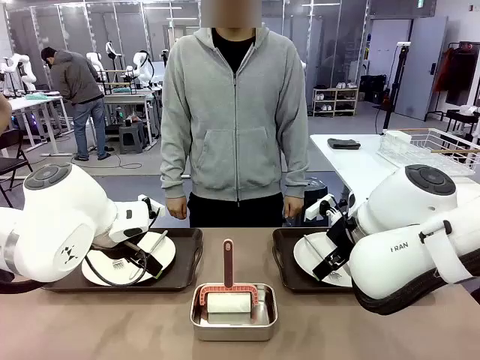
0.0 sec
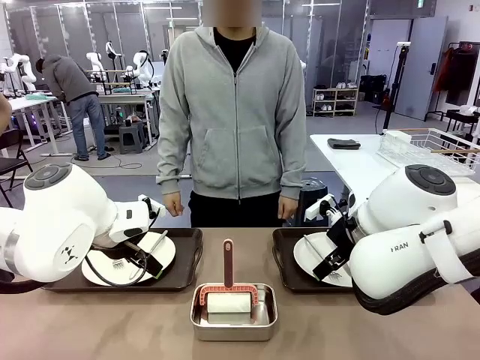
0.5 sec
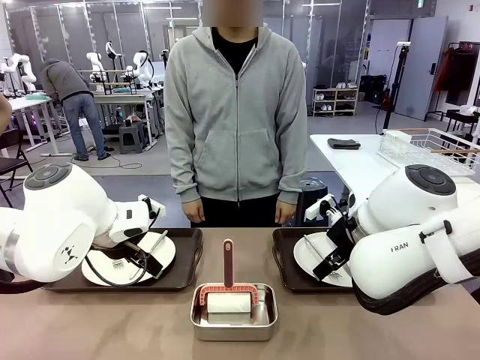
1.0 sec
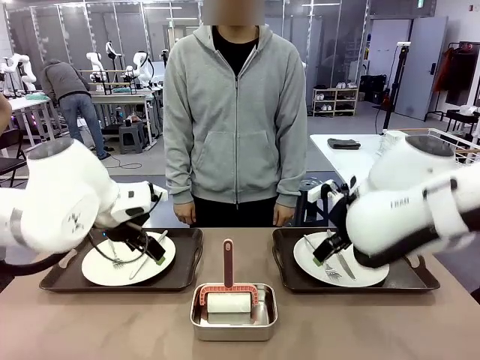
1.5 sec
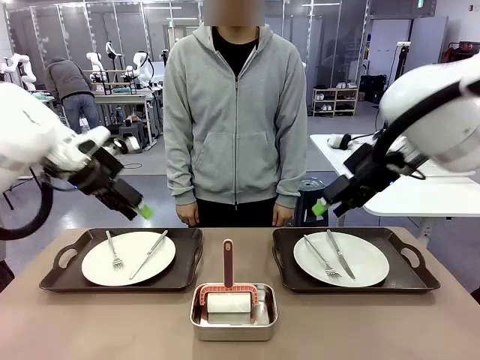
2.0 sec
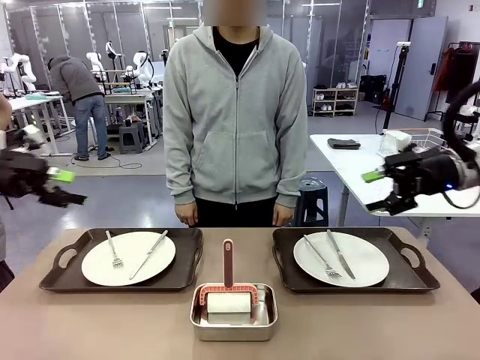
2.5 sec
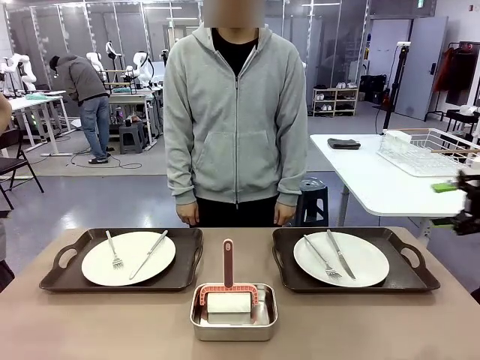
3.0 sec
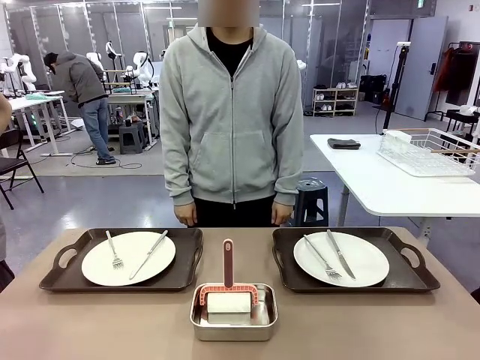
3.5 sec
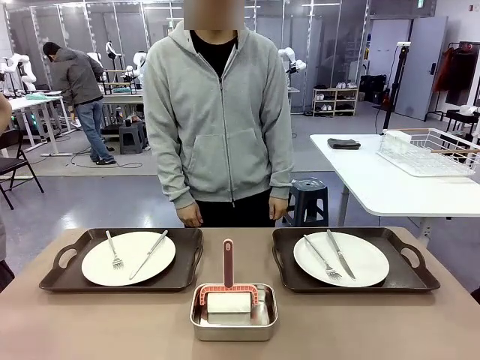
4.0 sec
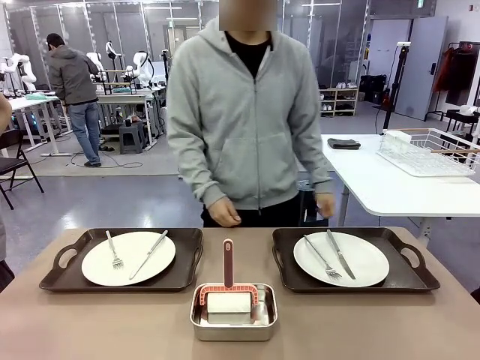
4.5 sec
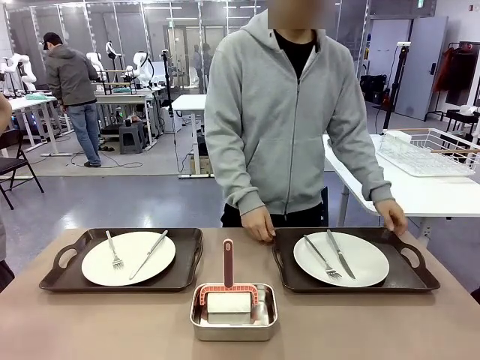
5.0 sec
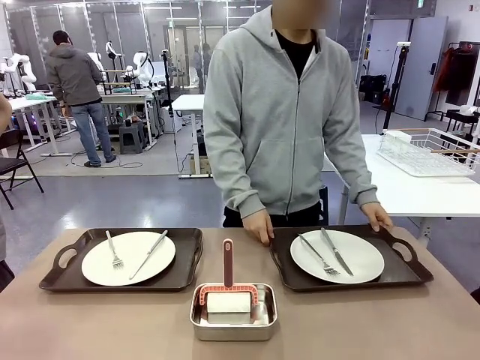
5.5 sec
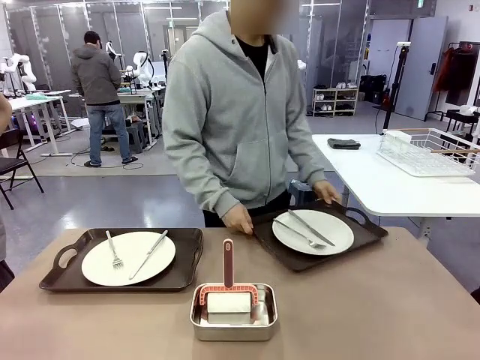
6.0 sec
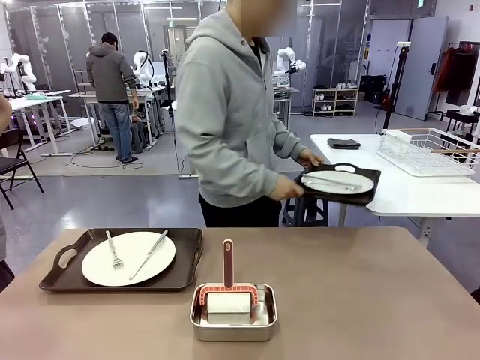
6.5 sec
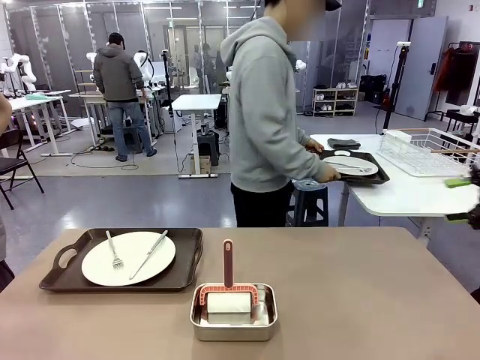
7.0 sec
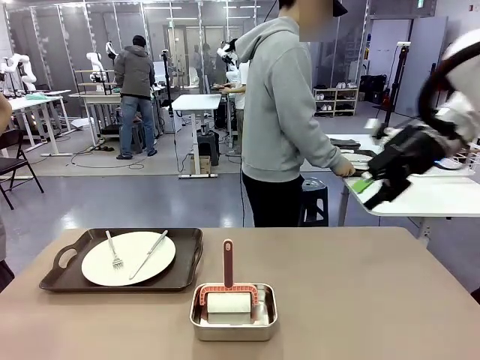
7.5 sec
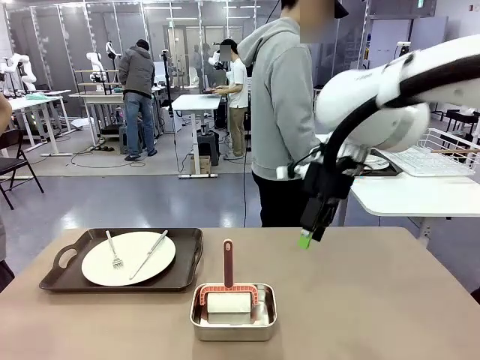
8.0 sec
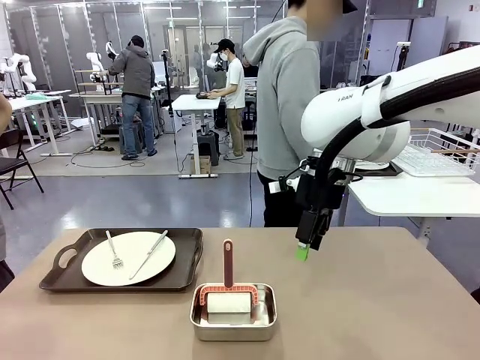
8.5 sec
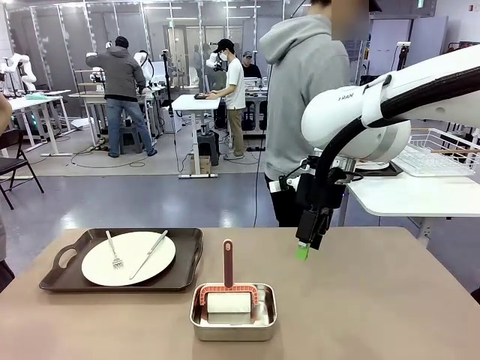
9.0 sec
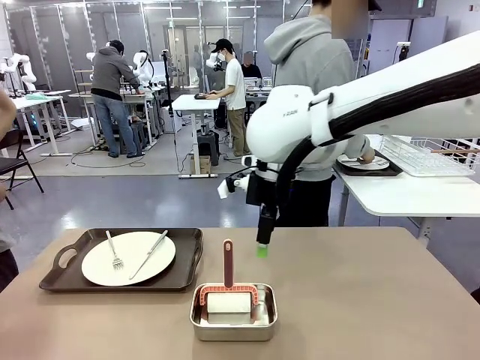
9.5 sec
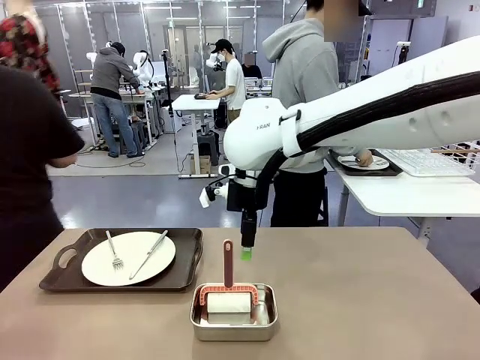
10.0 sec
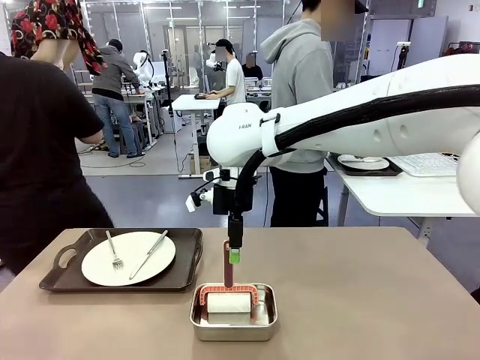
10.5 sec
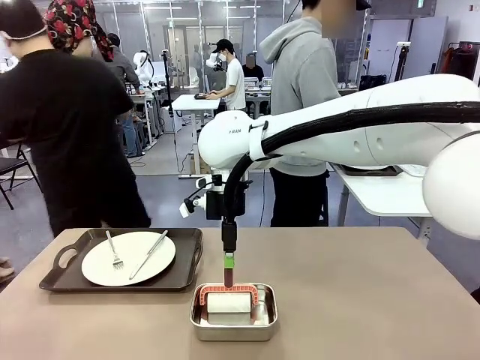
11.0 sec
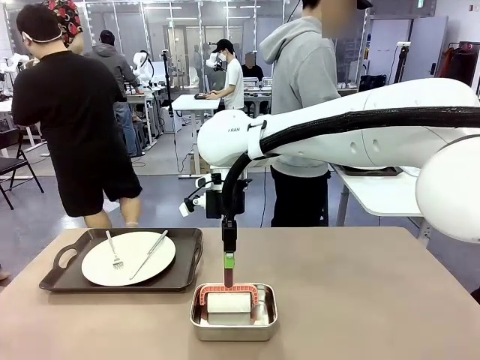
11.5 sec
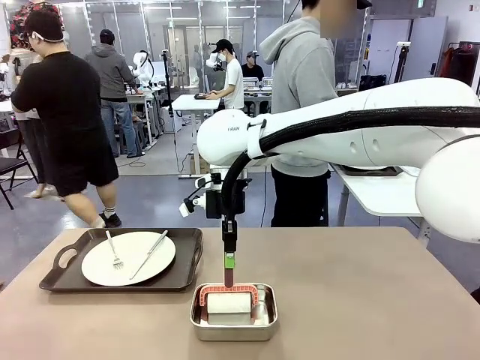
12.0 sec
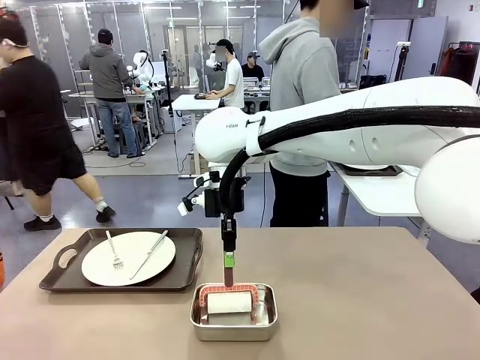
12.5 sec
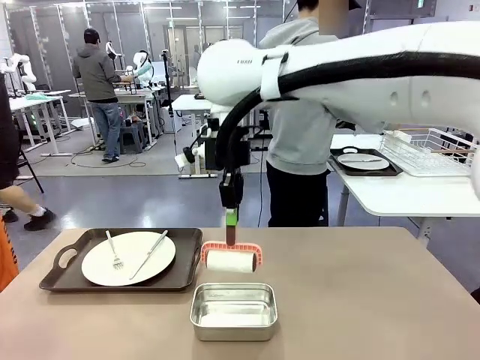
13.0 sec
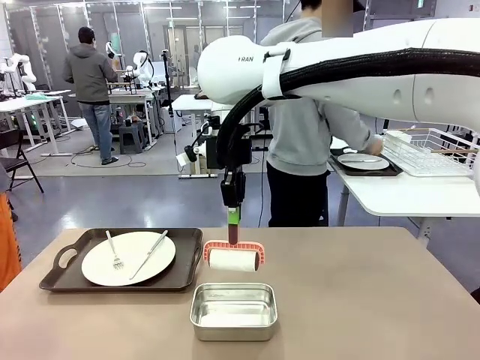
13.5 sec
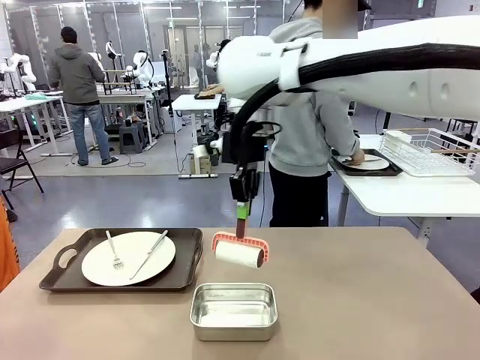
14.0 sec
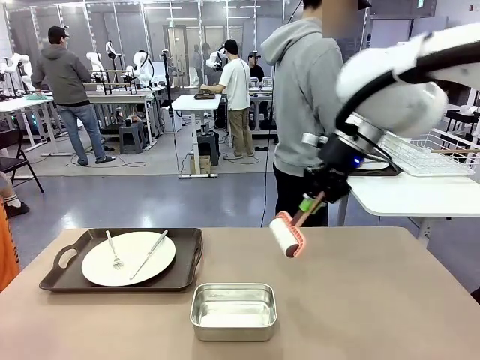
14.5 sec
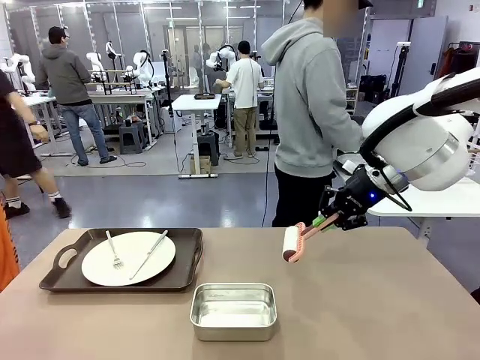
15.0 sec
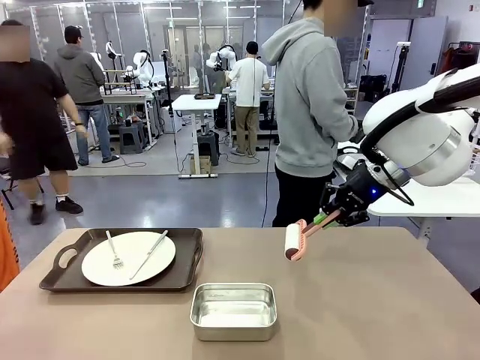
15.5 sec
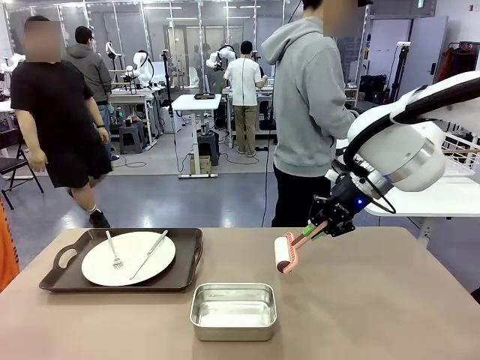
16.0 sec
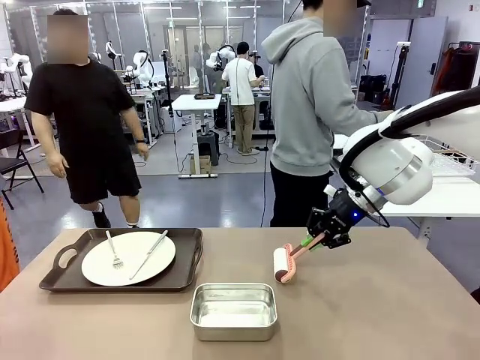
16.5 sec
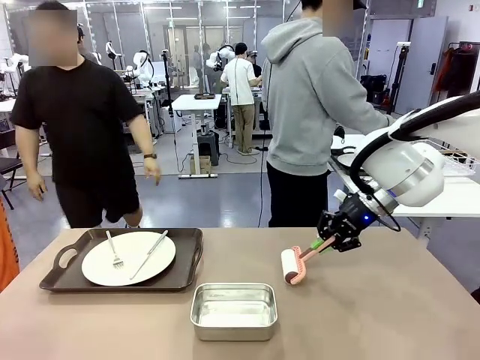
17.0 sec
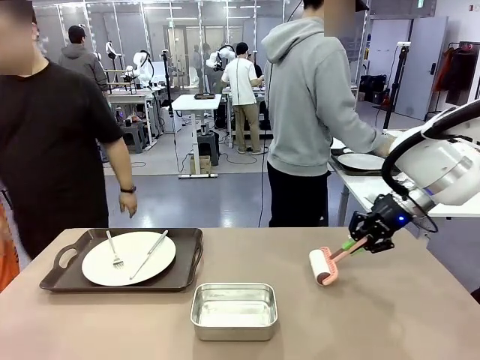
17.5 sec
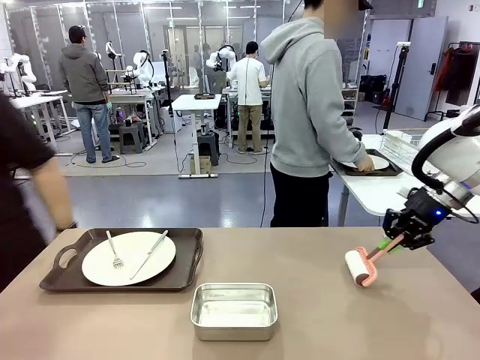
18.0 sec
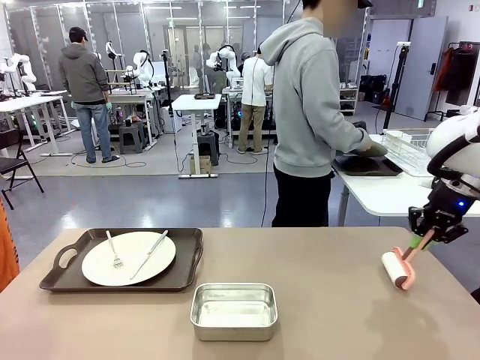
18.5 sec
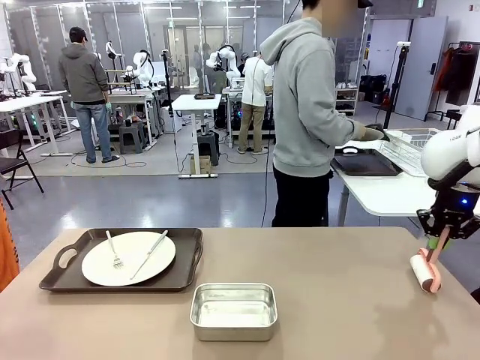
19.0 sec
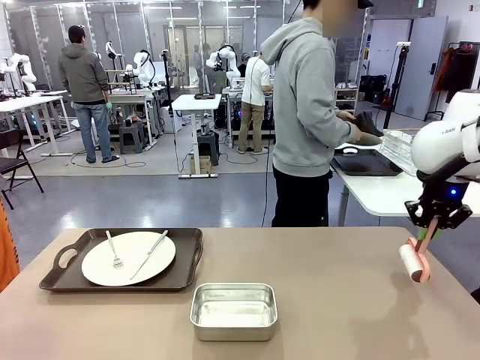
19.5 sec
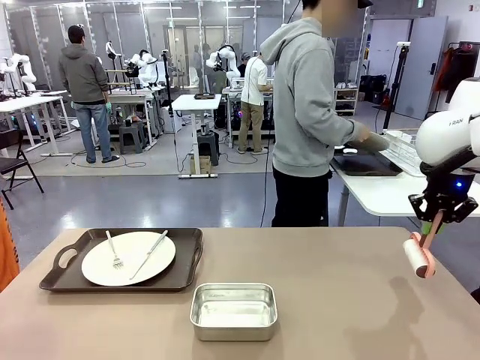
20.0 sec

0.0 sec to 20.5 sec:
Robot: When the left (or right) Handle tray is removed, use the left hand (or right hand) to clean the left (or right) side of the table with the Lint Roller.
Person: Pick up the left (or right) Handle tray and place it on the middle of the Human's table. Use the Towel with hook to wipe the Plastic Matte Plate , Fork , and Knife and place into the Dish drying rack.

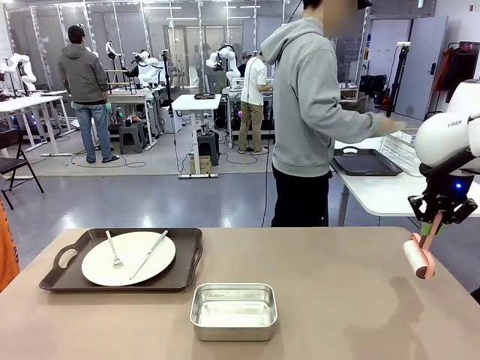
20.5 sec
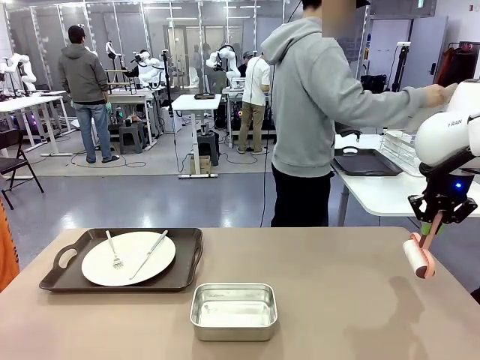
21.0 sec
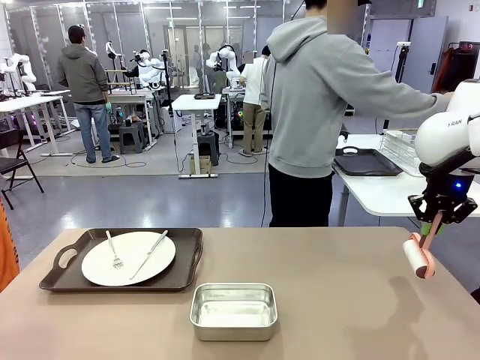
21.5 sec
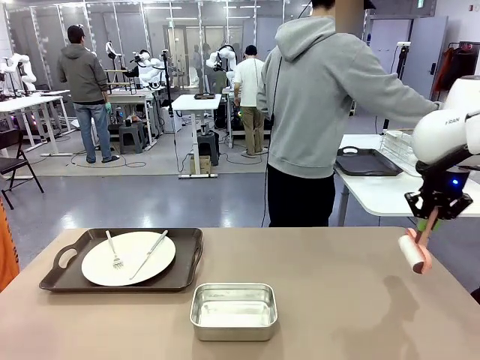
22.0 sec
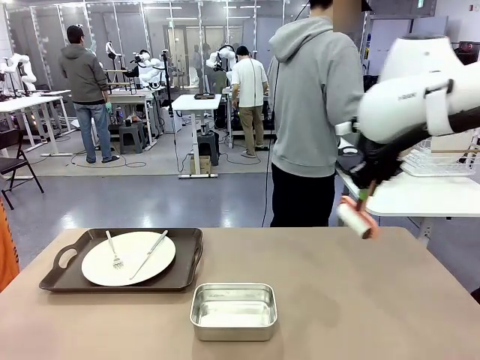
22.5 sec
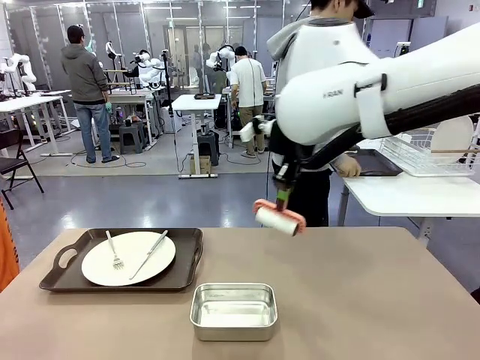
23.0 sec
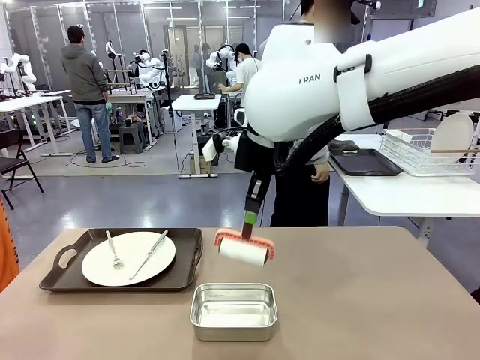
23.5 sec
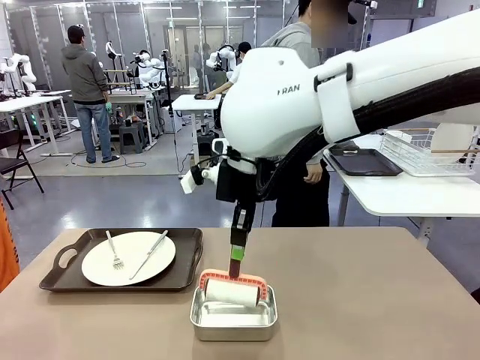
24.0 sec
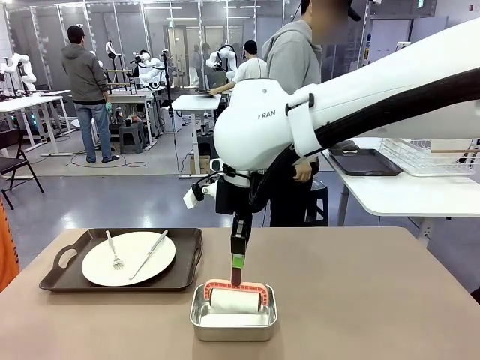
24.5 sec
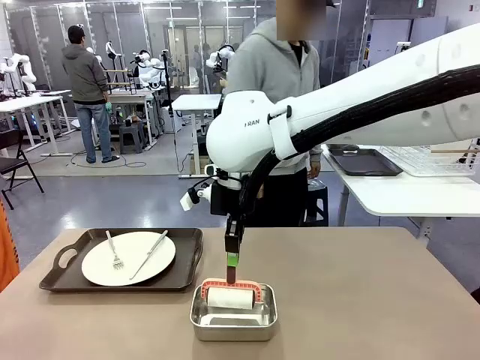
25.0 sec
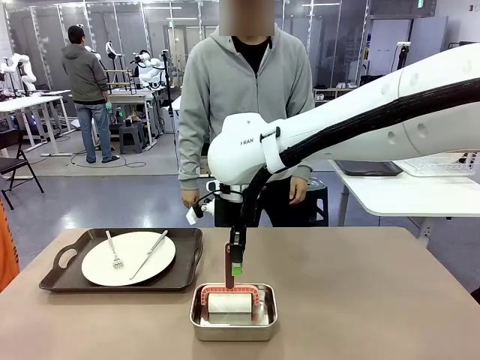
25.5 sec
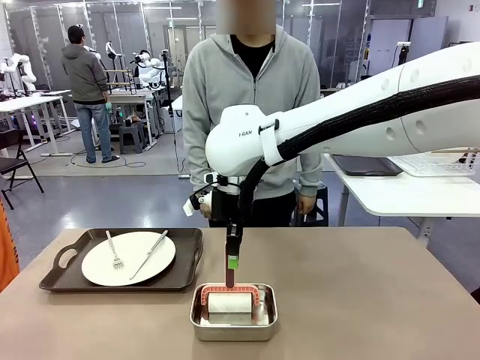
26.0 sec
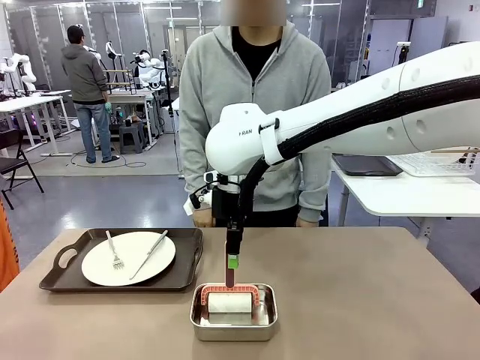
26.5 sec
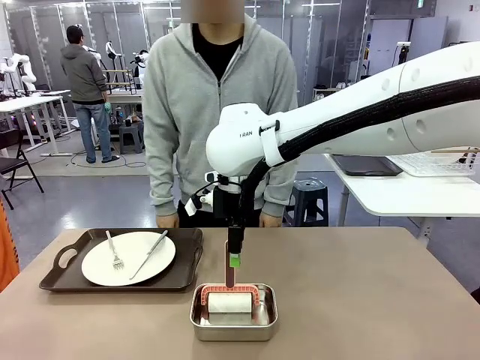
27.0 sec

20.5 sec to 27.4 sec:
Robot: Place the Lint Roller back on top of the Airtight Container.
